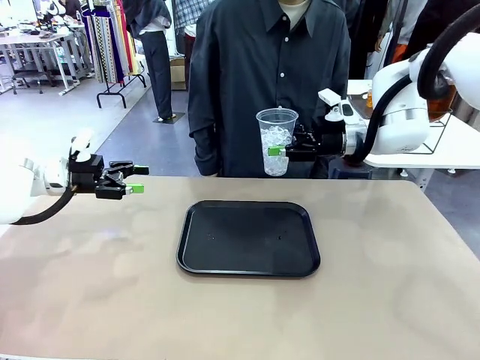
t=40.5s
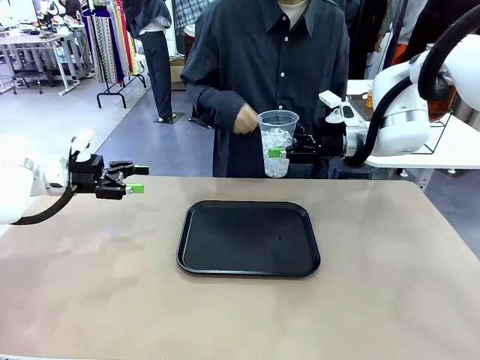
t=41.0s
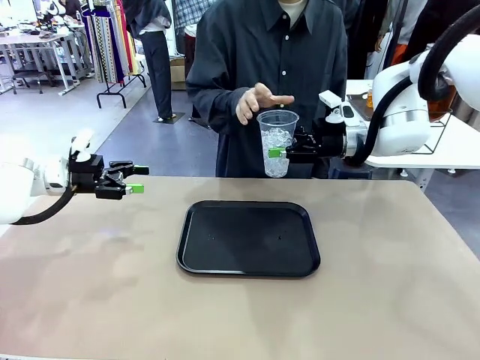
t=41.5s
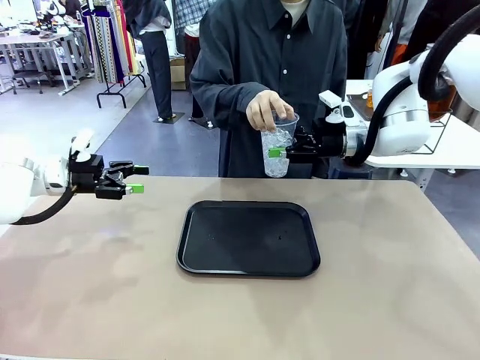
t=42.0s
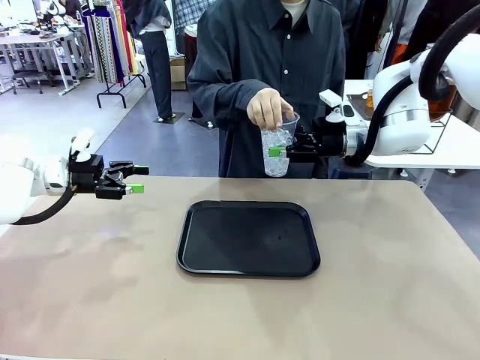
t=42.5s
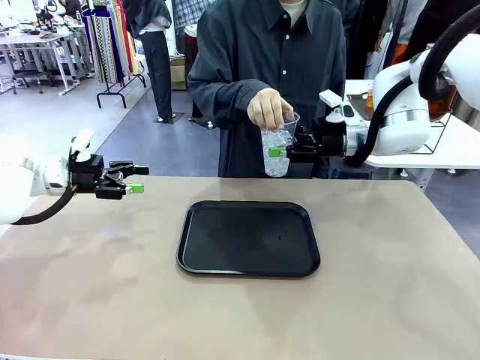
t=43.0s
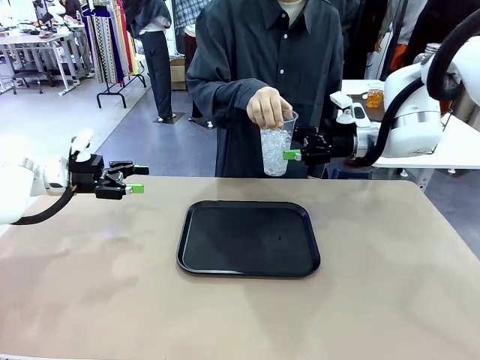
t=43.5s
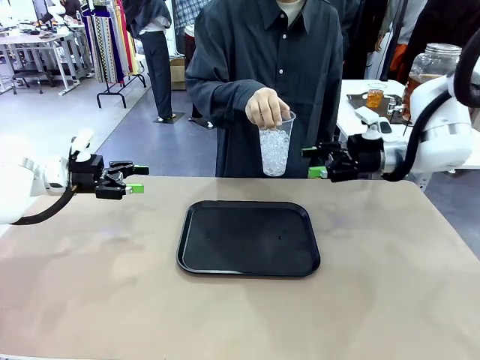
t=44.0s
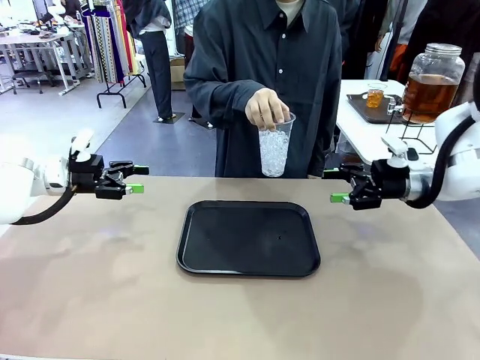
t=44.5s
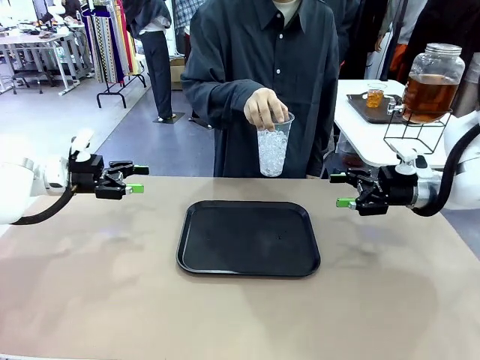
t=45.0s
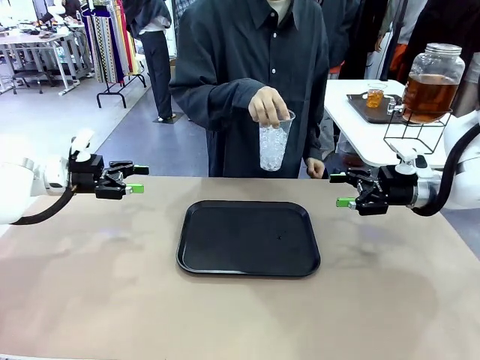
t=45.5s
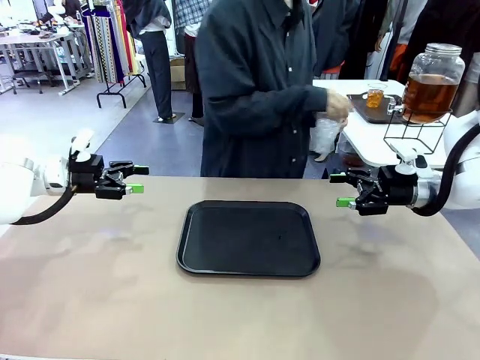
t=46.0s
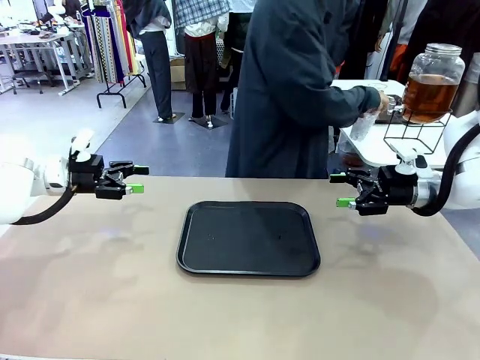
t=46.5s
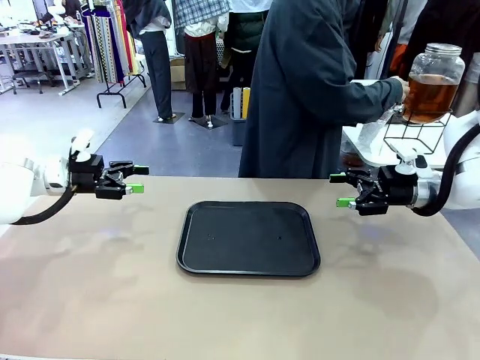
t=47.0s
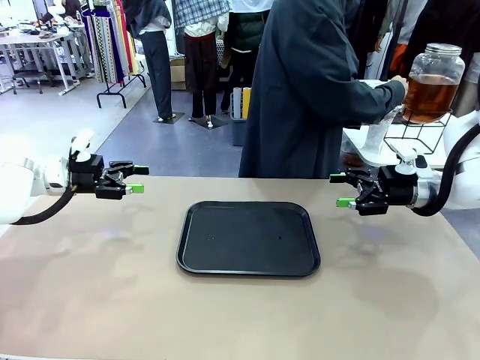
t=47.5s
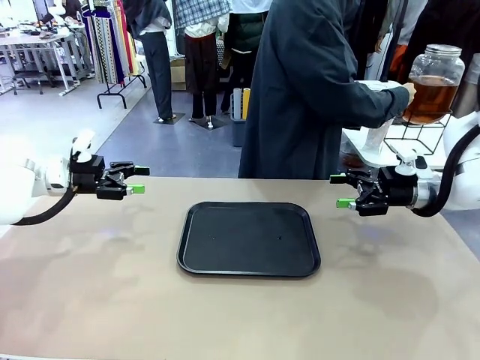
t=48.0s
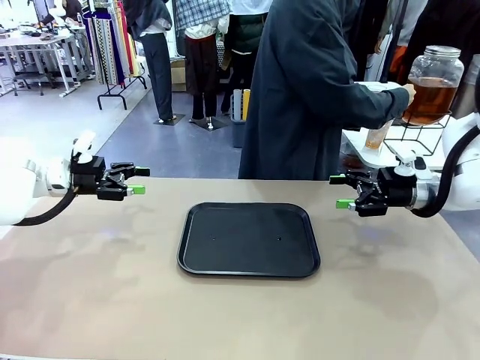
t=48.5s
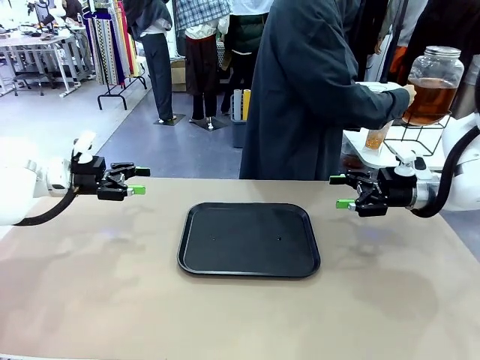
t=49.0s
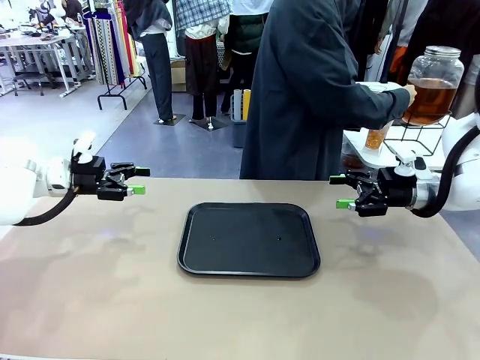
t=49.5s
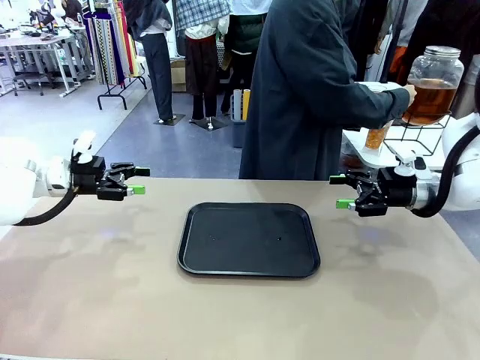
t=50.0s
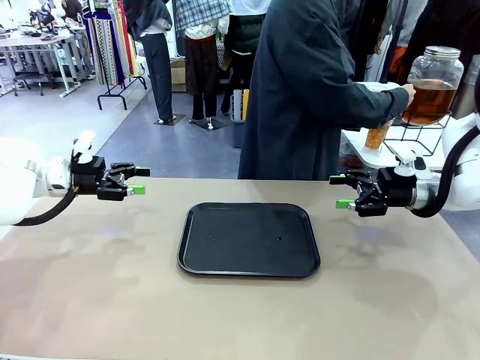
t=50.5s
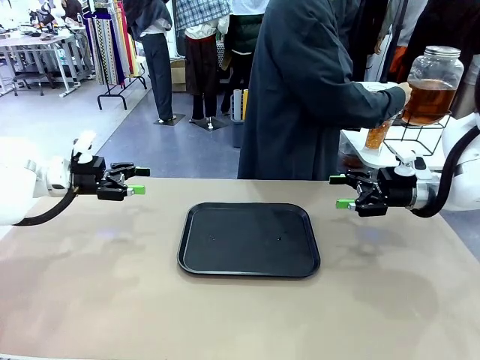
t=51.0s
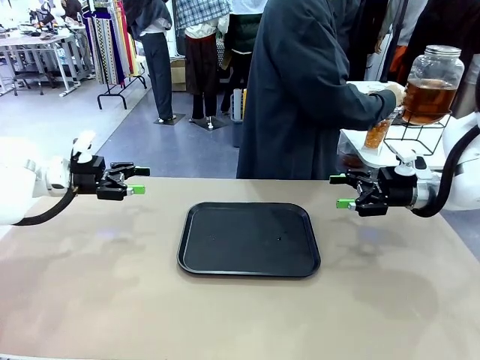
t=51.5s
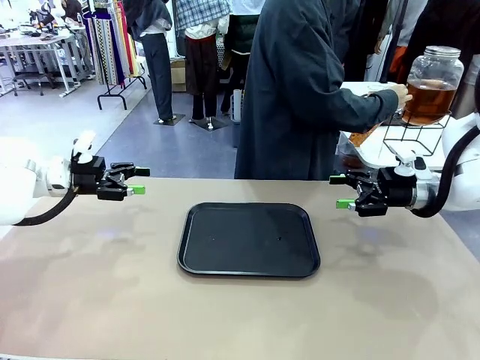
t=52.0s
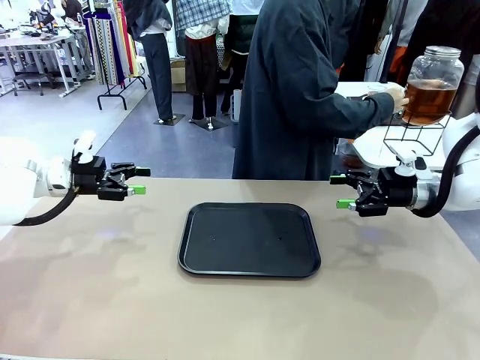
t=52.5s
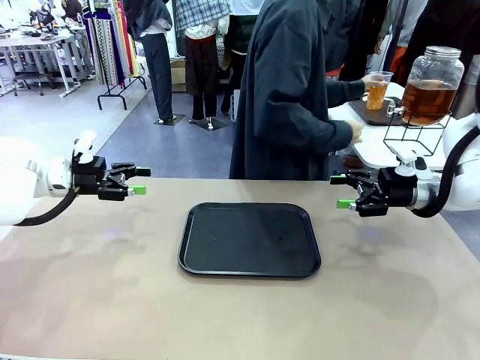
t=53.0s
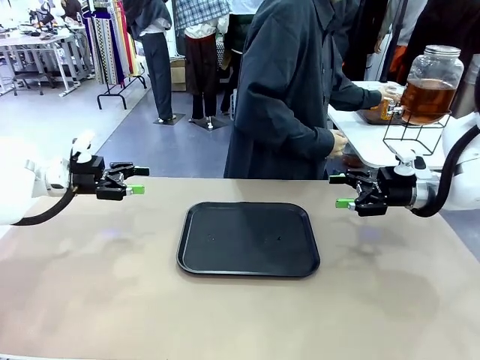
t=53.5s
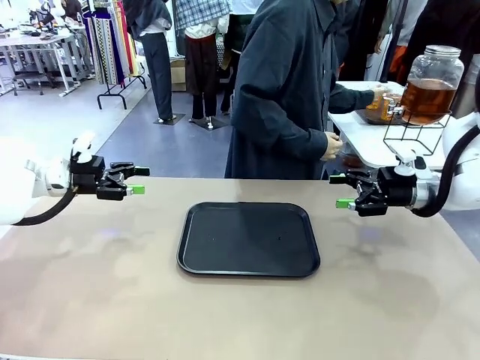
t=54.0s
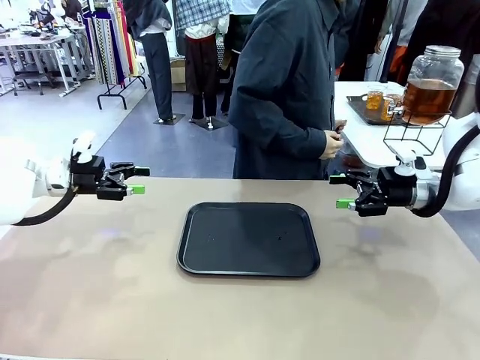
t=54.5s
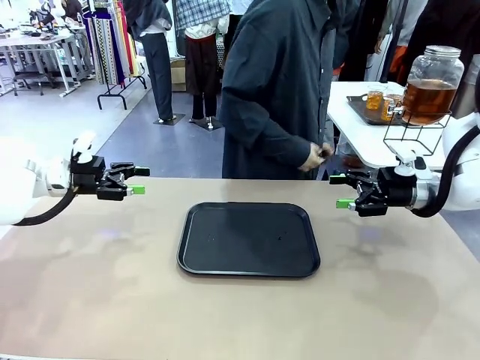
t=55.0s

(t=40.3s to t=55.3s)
Task: Pour the drink into the iced cup.
Robot: Open the gripper to release the iced cup you were holding.
Person: Move the picked-up cup under the dispenser faucet, pour the drink, and place it on the tray on the human table.

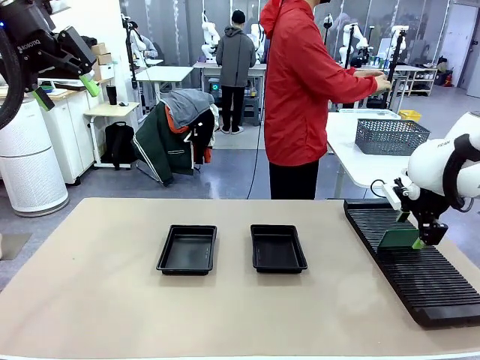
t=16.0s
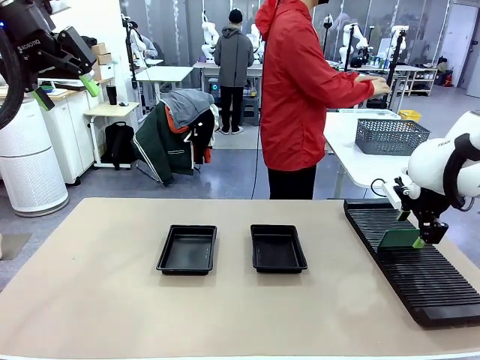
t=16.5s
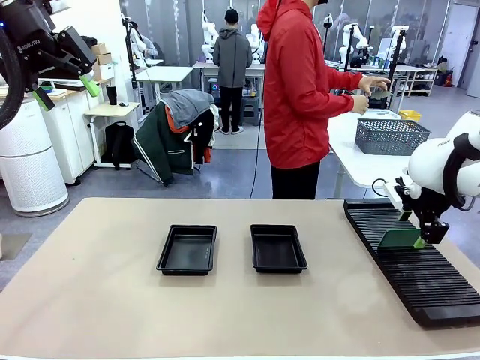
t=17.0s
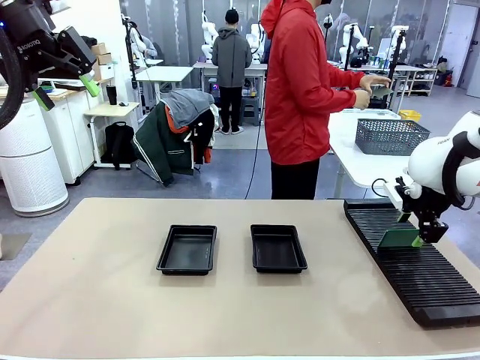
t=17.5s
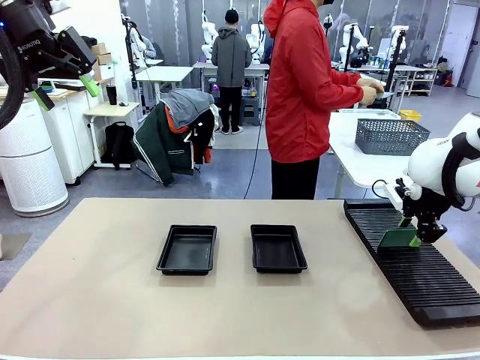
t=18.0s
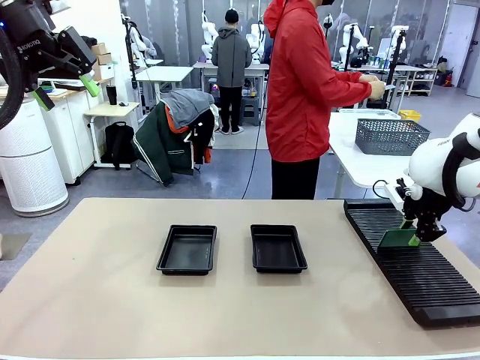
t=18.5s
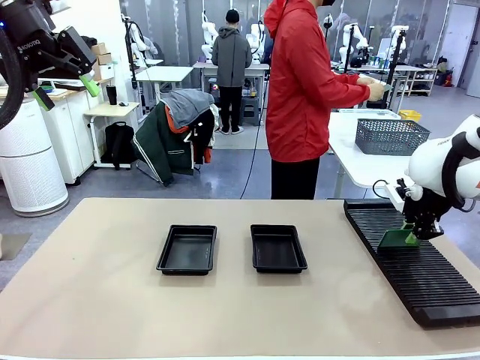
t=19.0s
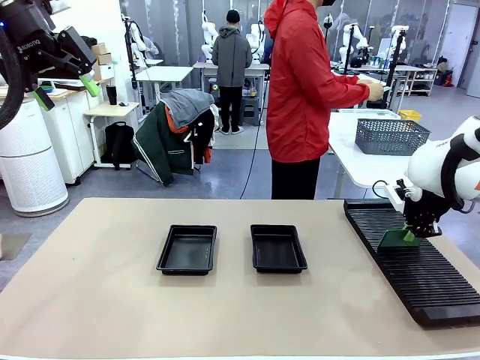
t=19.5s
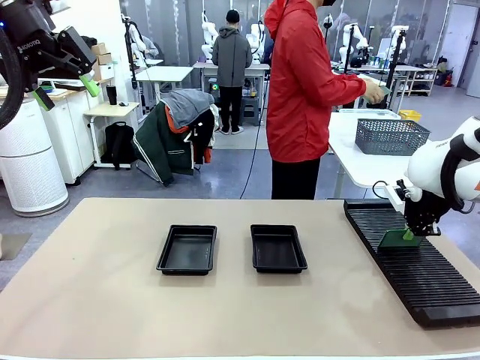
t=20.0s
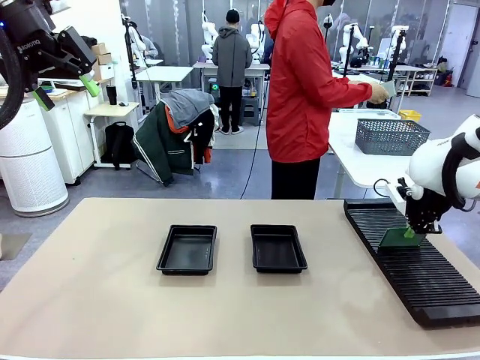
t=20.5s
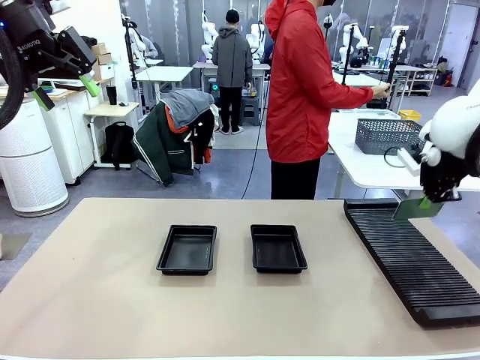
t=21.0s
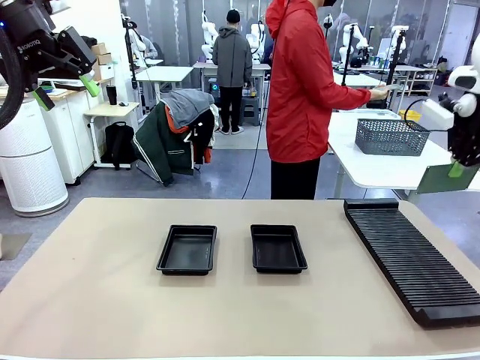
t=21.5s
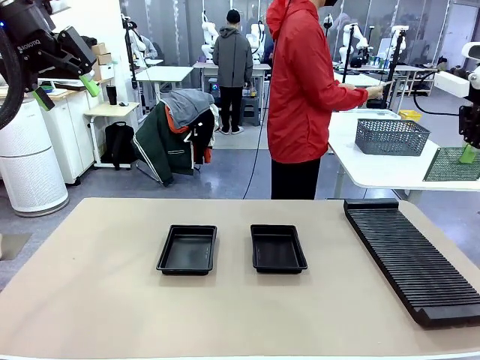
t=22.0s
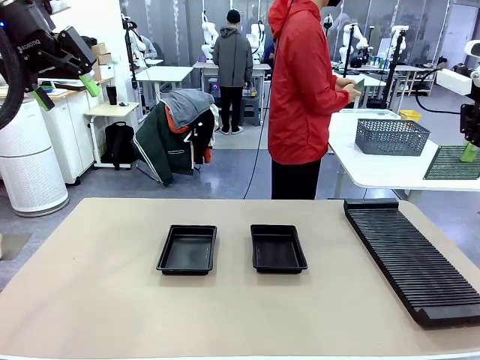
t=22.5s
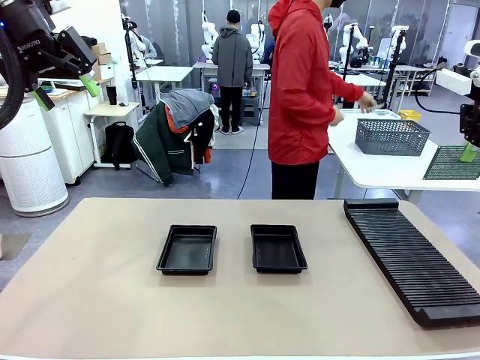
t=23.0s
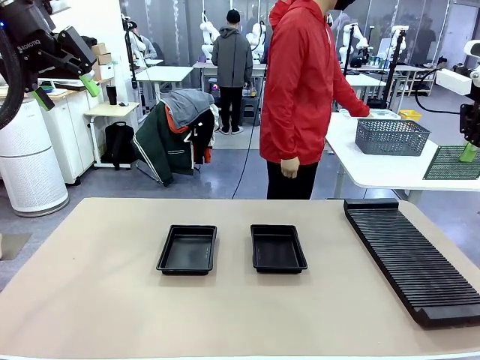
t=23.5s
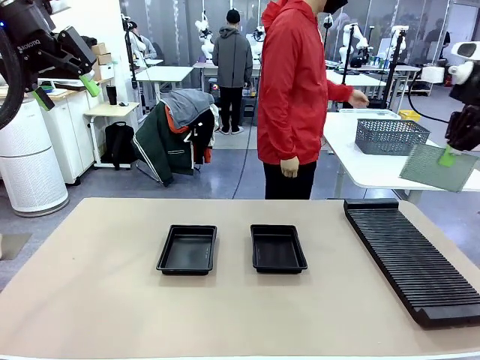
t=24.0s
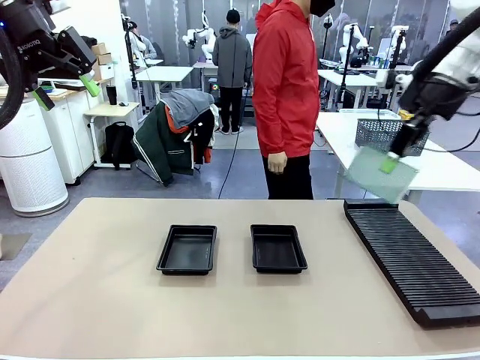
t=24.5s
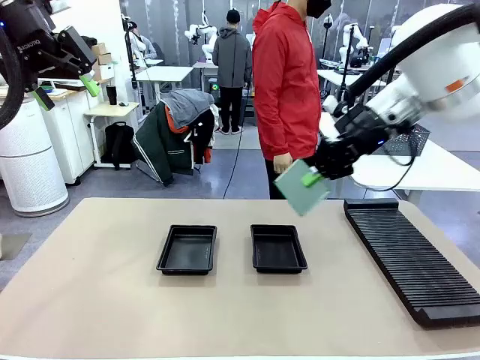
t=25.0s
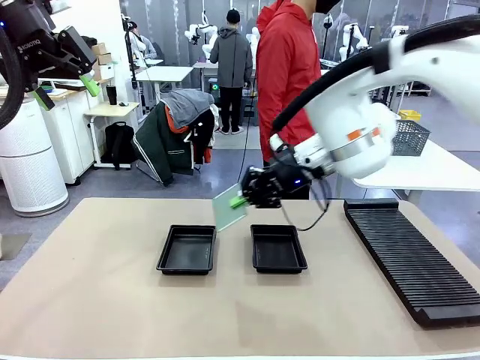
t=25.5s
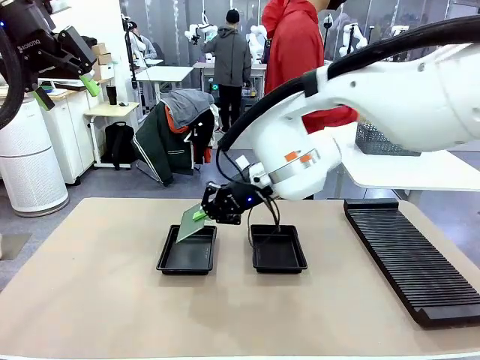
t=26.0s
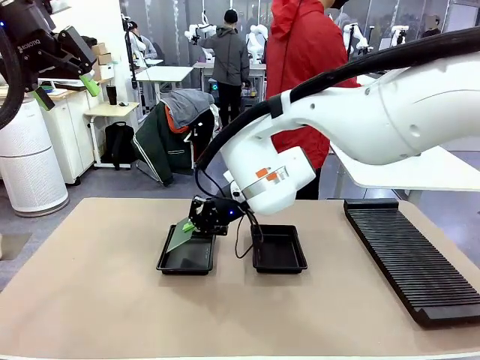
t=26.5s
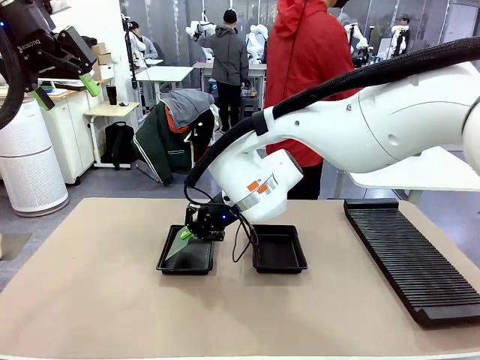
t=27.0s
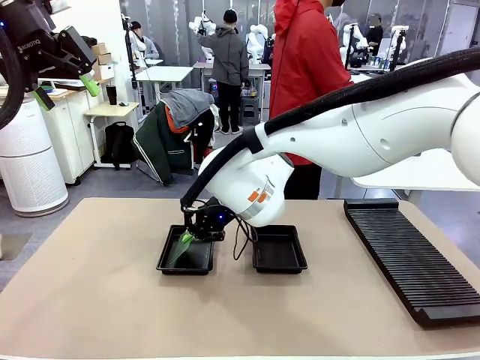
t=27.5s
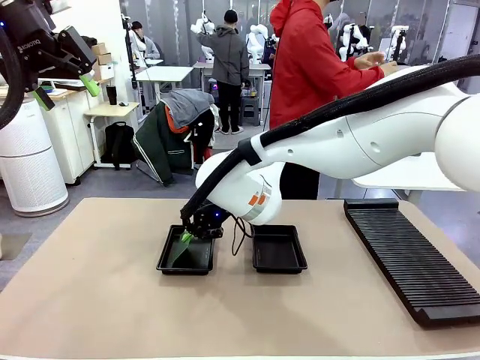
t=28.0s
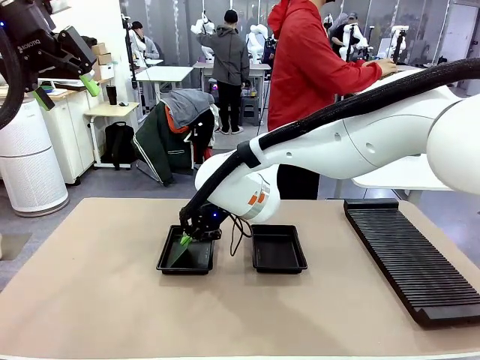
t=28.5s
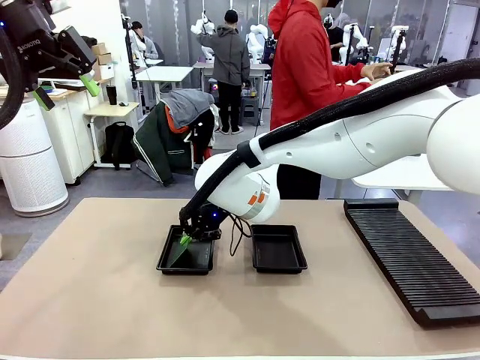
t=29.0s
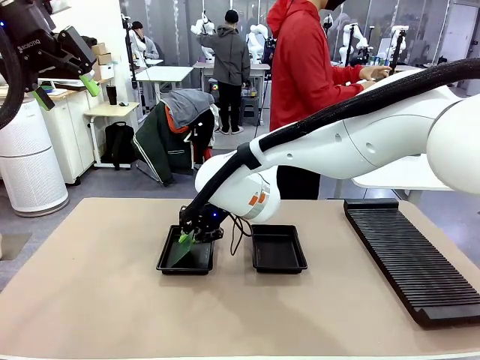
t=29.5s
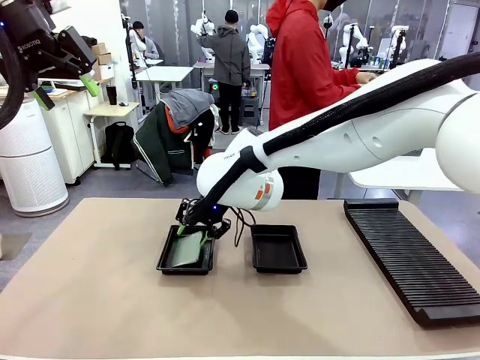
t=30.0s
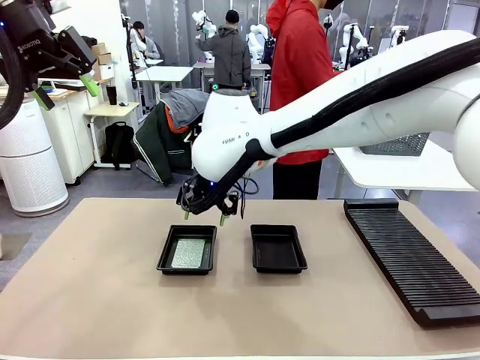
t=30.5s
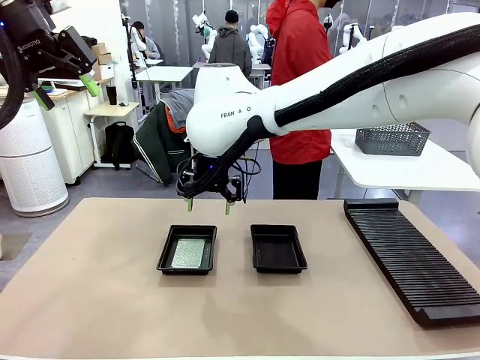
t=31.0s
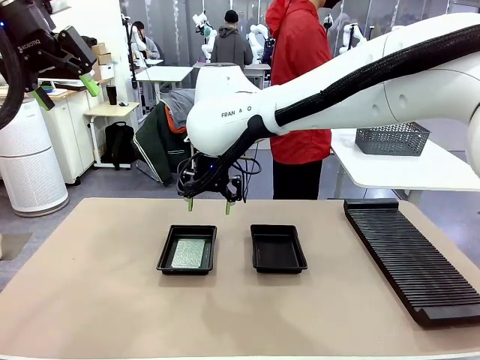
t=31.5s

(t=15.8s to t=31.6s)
Task: Inspect and transfer BCBs to ESD trays.
Robot: Pick up the Blank PCB from the PCB Rack and place it in the left ESD tray.
